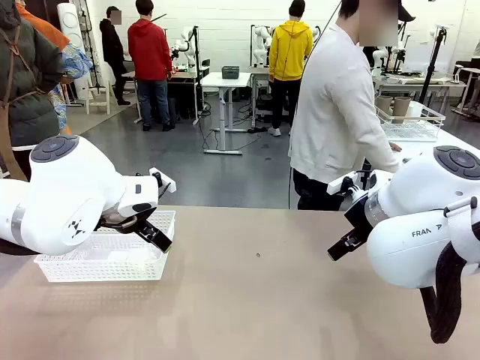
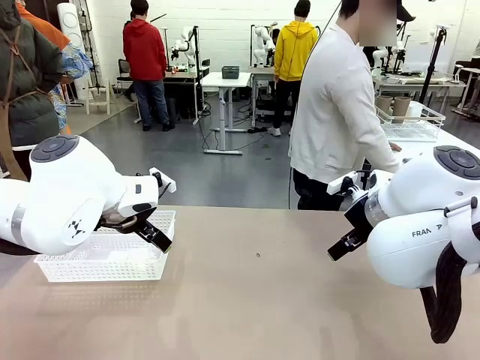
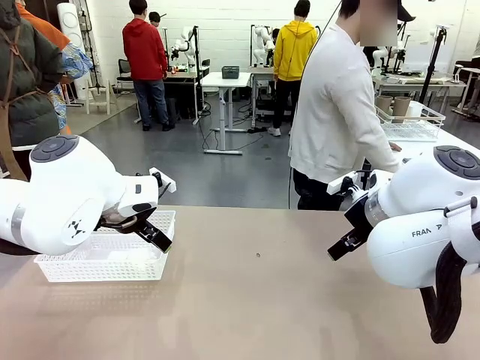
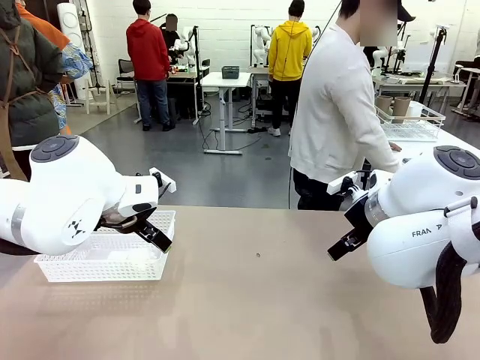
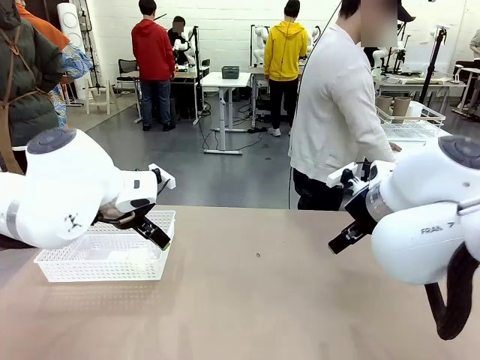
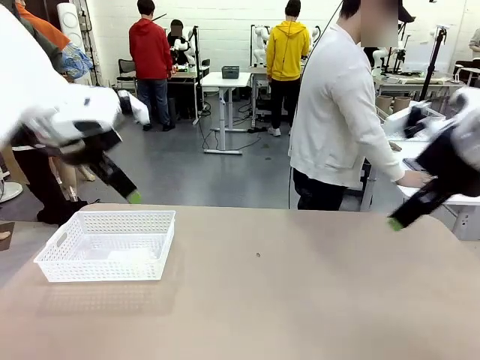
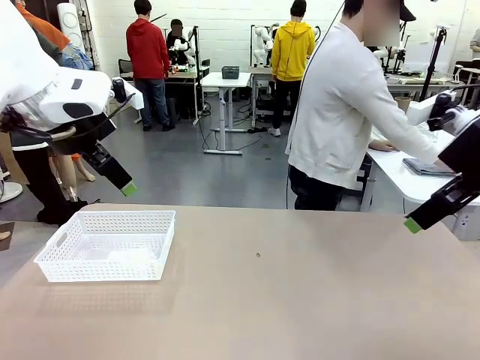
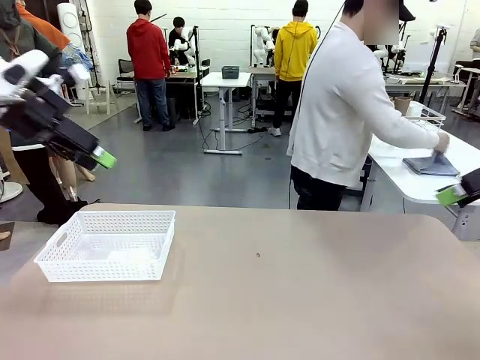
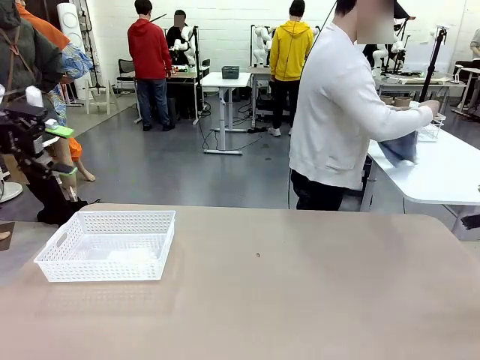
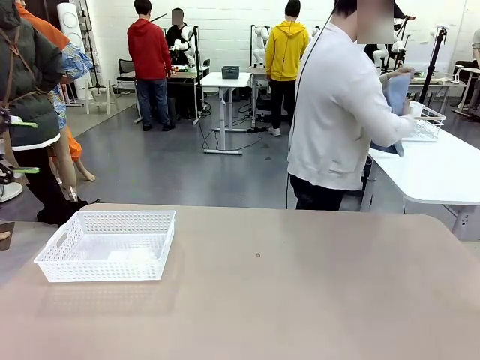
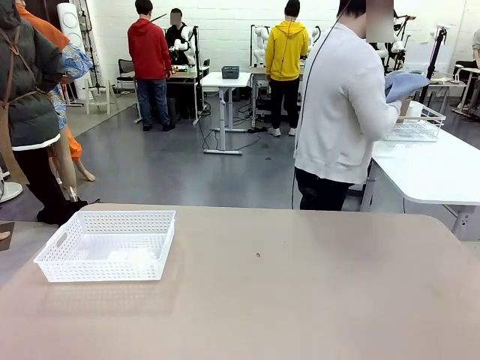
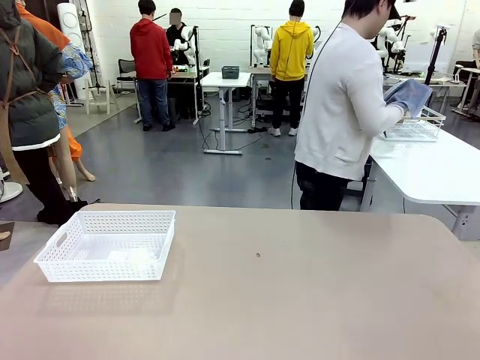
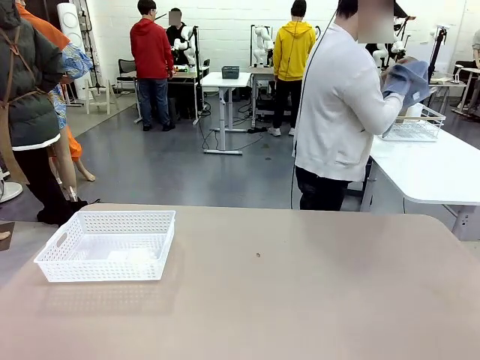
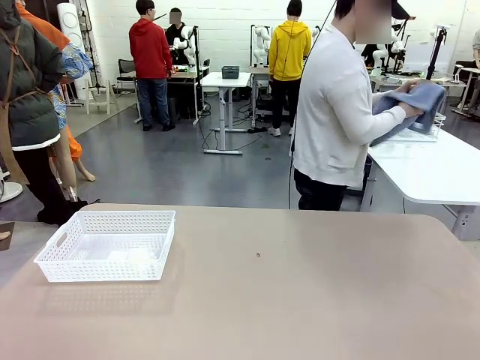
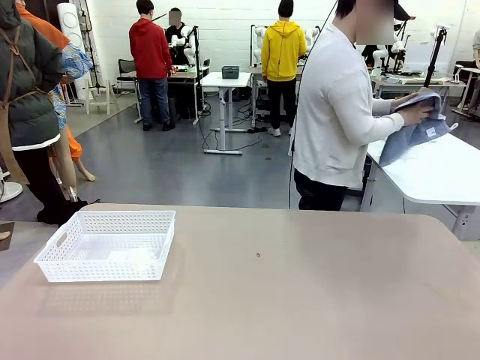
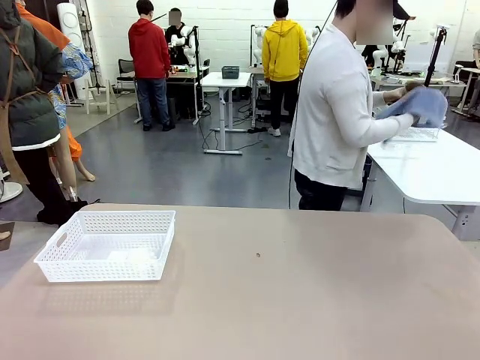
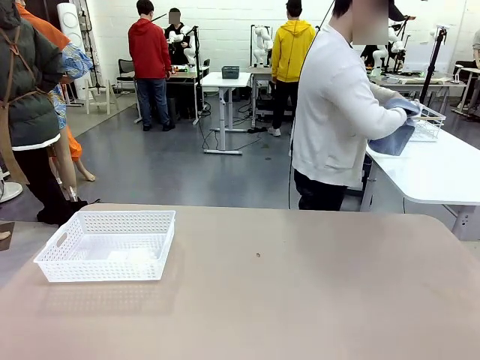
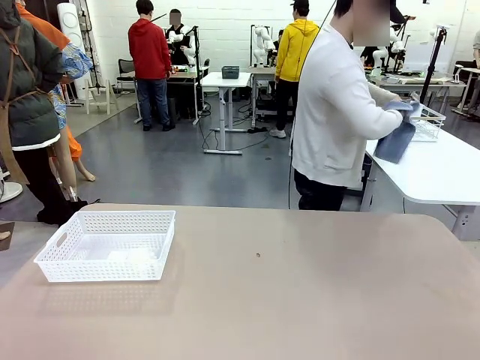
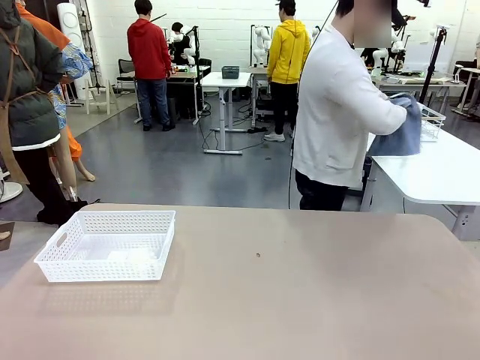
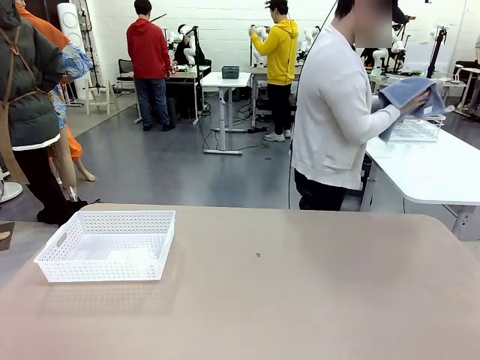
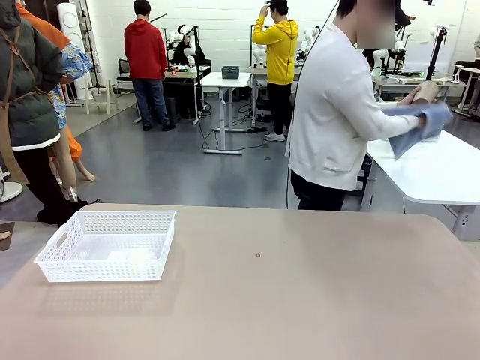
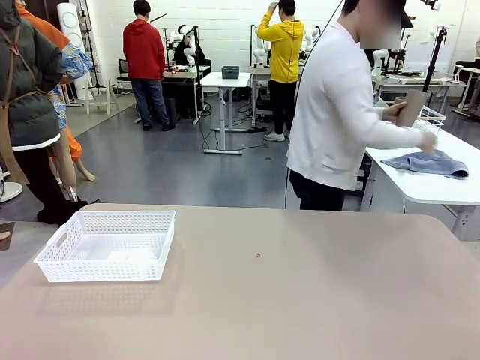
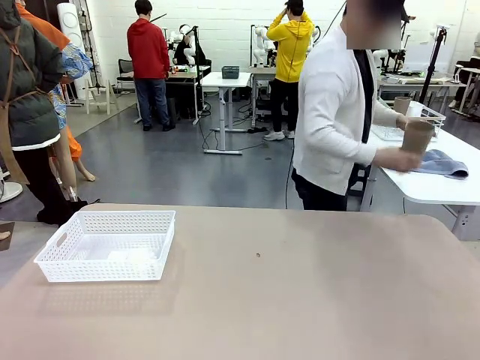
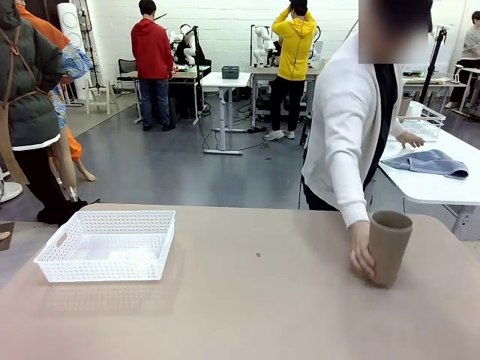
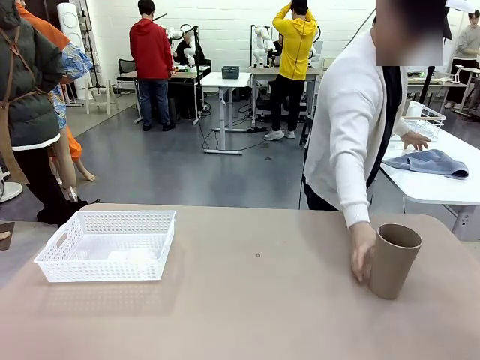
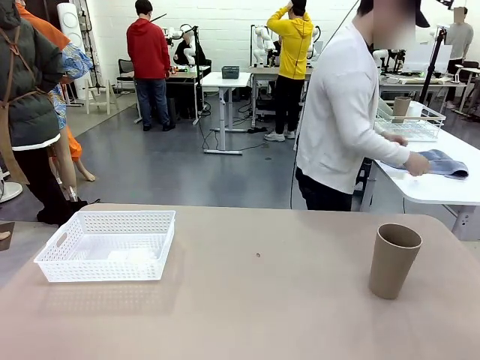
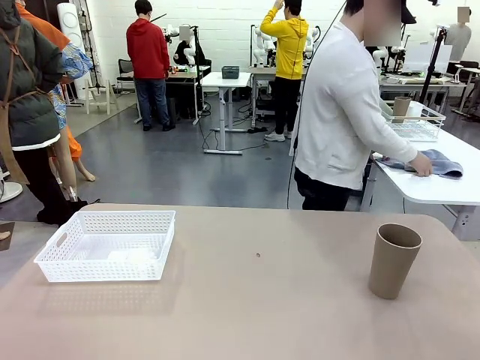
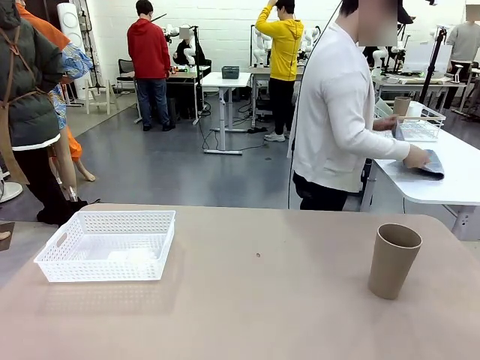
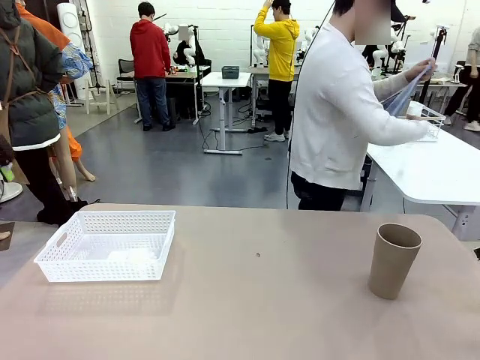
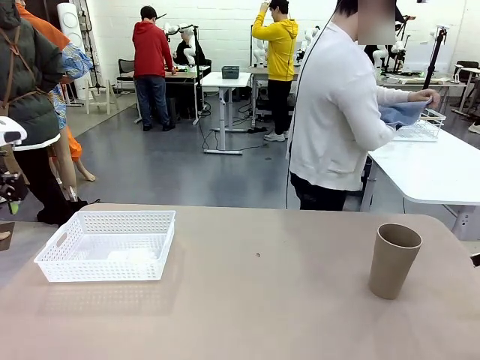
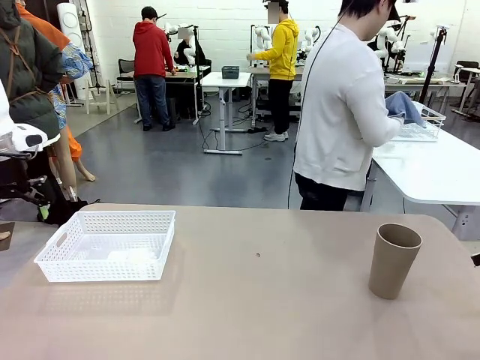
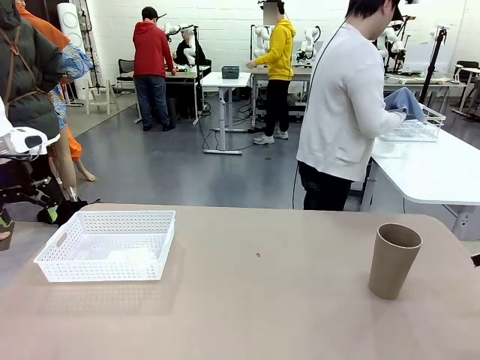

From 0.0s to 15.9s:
Task: Clean and organize the cups into the basket.
Robot: Pick up the Organizing basket and move it to the center of the table, then pick up the Reusable plastic cup from the right side of the table and place it inside the Organizing basket.
Person: Picks up a cup and a towel, cleans the cup with the towel, and places it on the left side of the robot table.
